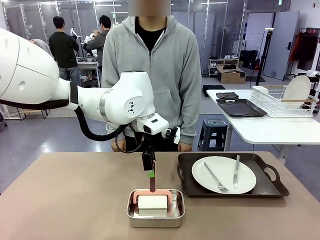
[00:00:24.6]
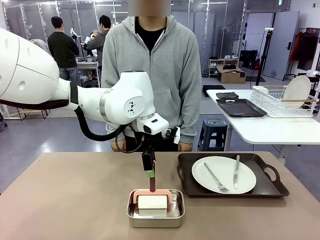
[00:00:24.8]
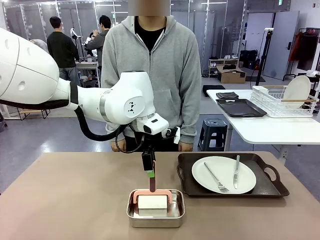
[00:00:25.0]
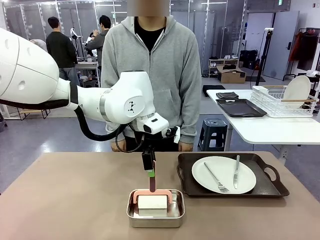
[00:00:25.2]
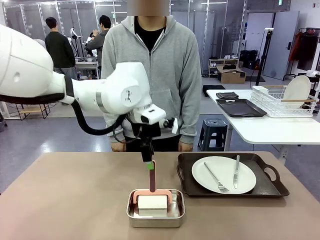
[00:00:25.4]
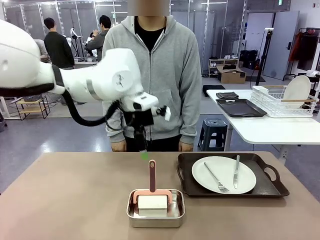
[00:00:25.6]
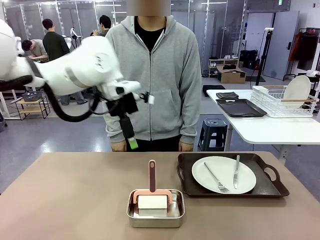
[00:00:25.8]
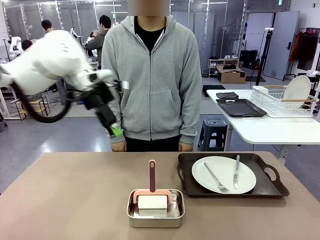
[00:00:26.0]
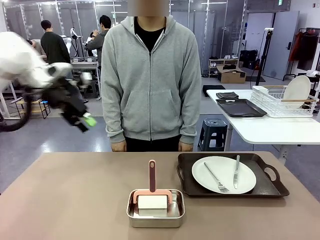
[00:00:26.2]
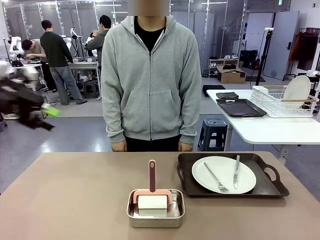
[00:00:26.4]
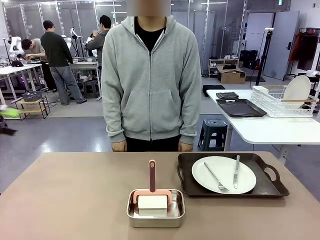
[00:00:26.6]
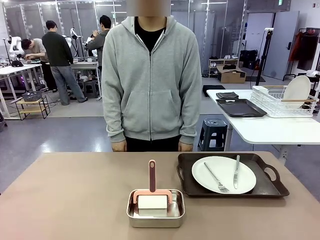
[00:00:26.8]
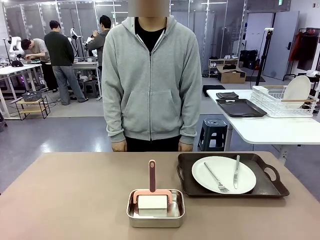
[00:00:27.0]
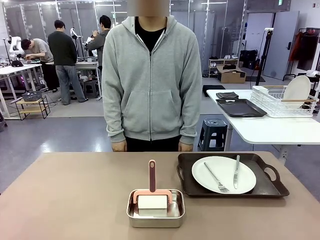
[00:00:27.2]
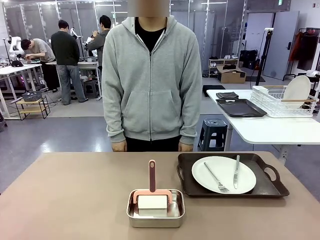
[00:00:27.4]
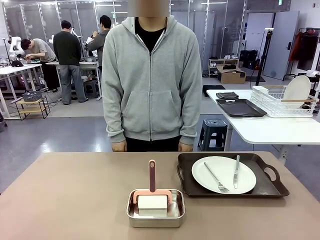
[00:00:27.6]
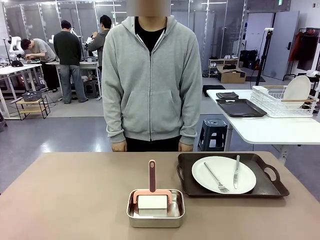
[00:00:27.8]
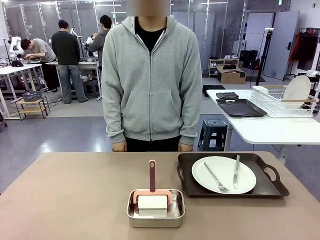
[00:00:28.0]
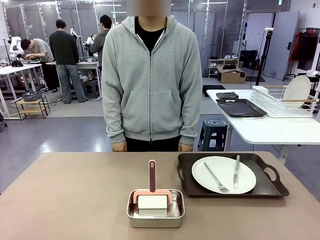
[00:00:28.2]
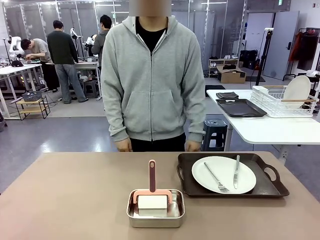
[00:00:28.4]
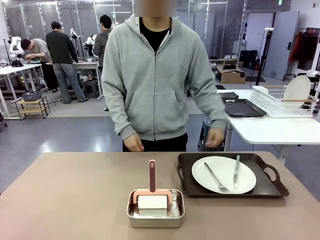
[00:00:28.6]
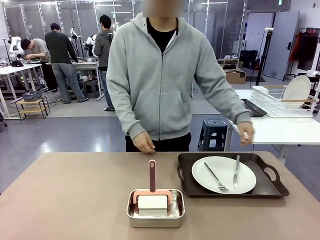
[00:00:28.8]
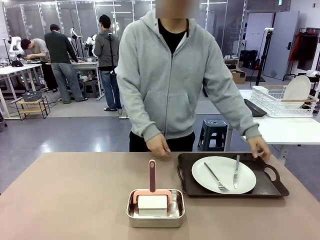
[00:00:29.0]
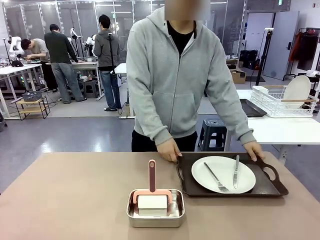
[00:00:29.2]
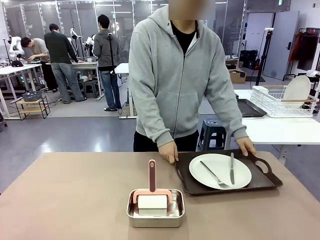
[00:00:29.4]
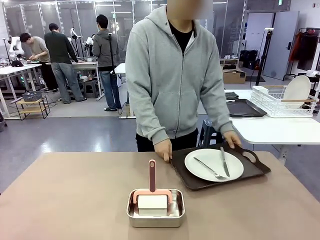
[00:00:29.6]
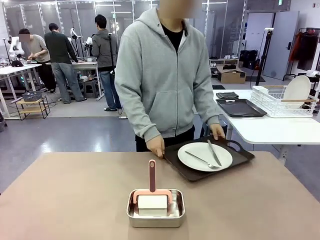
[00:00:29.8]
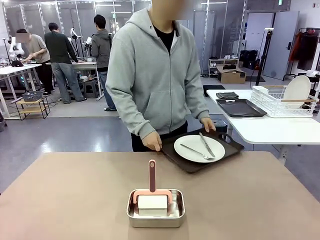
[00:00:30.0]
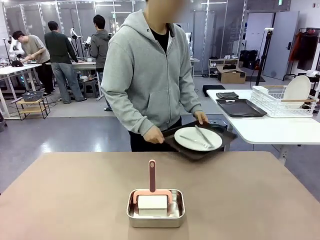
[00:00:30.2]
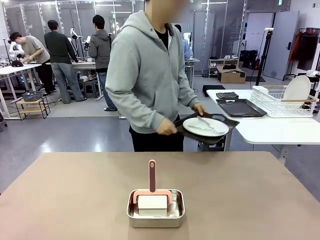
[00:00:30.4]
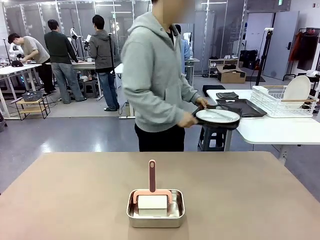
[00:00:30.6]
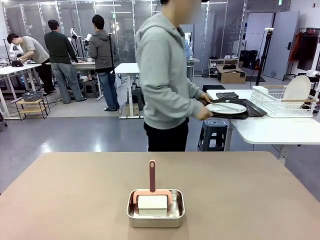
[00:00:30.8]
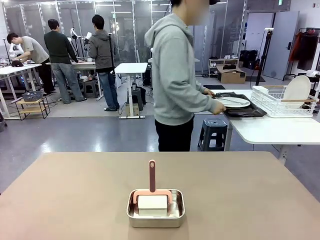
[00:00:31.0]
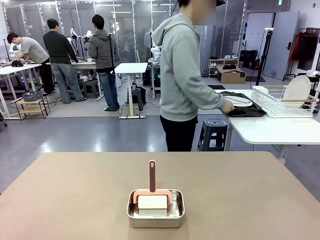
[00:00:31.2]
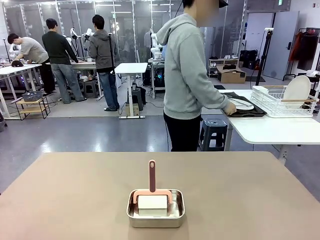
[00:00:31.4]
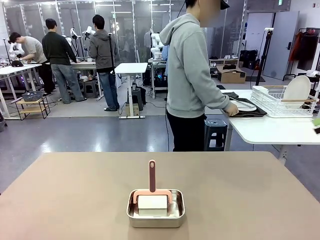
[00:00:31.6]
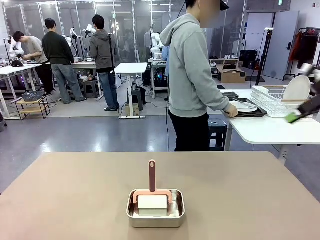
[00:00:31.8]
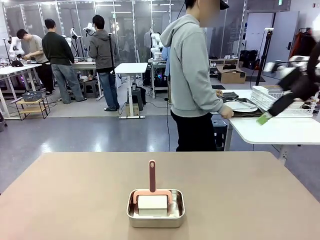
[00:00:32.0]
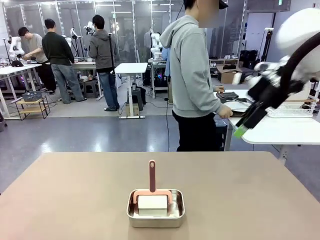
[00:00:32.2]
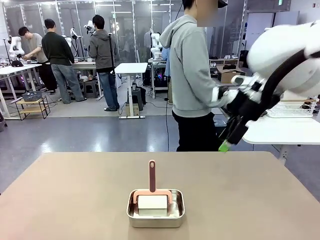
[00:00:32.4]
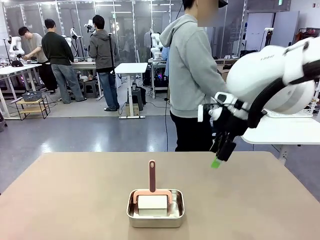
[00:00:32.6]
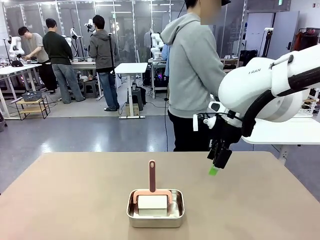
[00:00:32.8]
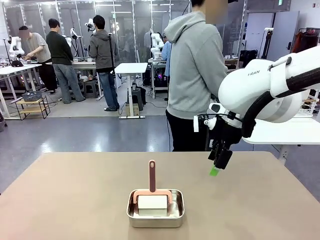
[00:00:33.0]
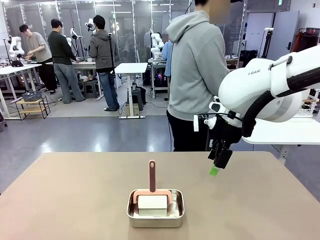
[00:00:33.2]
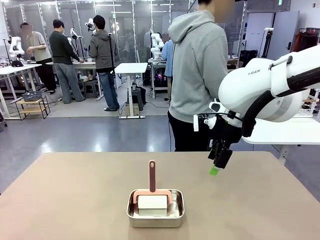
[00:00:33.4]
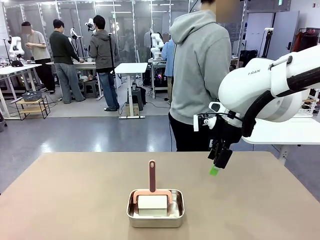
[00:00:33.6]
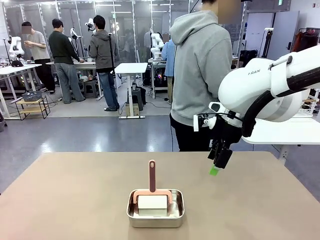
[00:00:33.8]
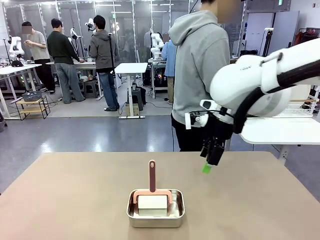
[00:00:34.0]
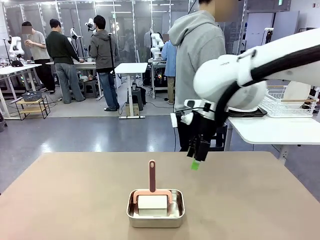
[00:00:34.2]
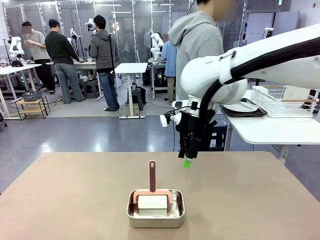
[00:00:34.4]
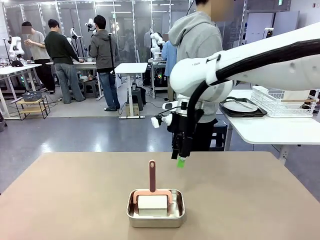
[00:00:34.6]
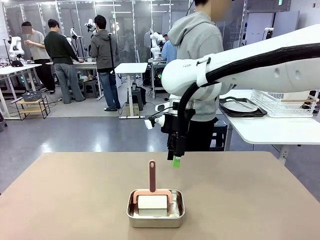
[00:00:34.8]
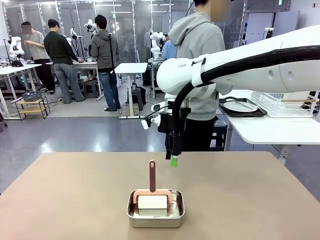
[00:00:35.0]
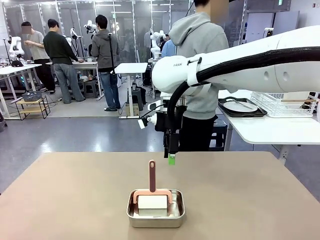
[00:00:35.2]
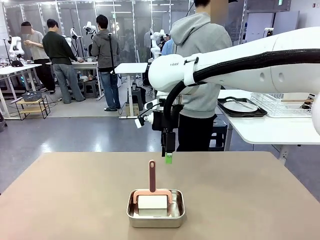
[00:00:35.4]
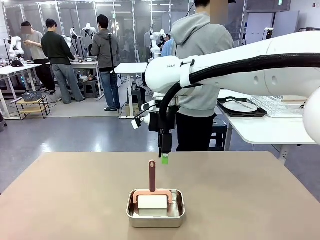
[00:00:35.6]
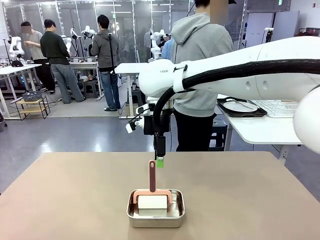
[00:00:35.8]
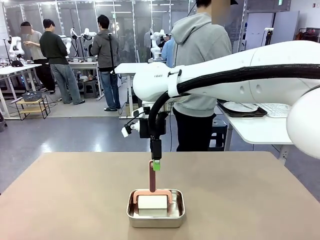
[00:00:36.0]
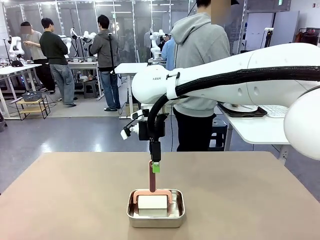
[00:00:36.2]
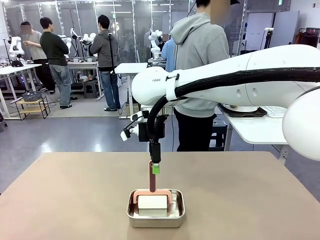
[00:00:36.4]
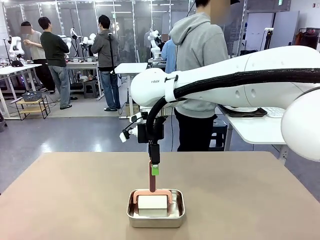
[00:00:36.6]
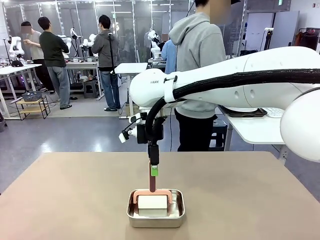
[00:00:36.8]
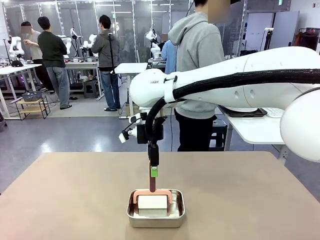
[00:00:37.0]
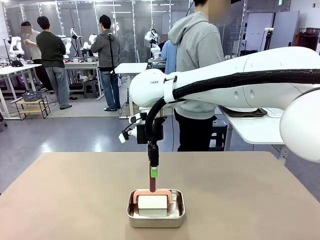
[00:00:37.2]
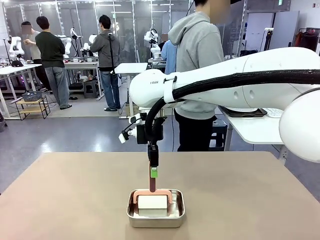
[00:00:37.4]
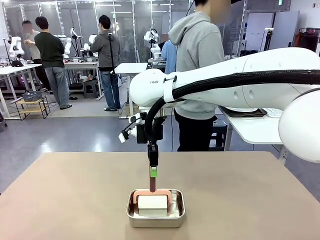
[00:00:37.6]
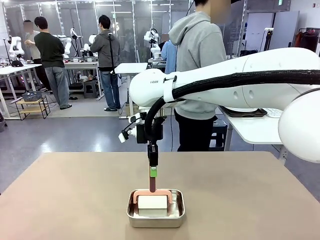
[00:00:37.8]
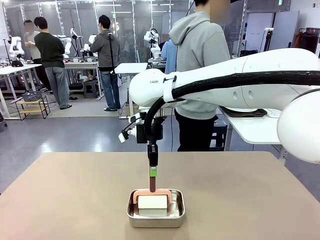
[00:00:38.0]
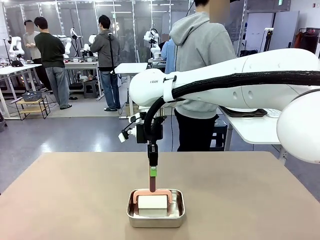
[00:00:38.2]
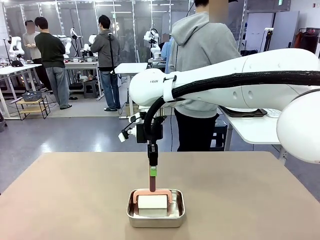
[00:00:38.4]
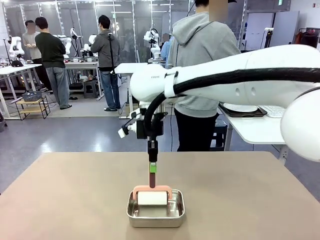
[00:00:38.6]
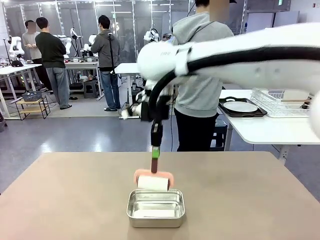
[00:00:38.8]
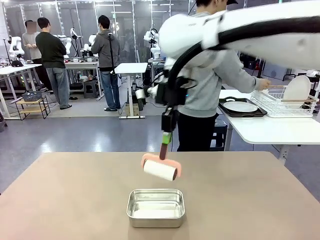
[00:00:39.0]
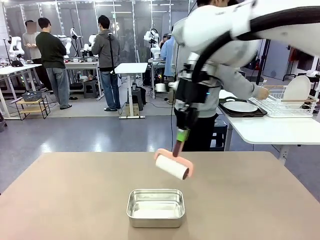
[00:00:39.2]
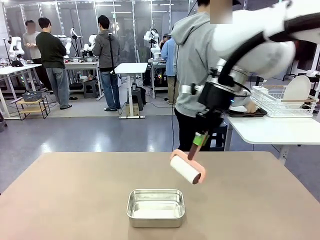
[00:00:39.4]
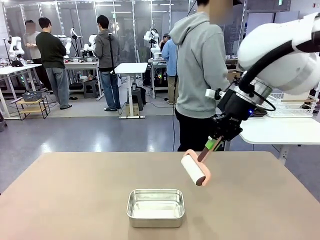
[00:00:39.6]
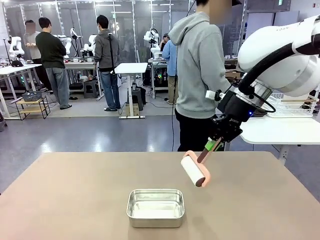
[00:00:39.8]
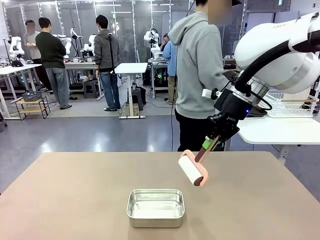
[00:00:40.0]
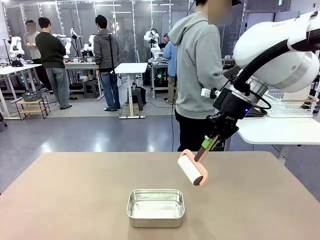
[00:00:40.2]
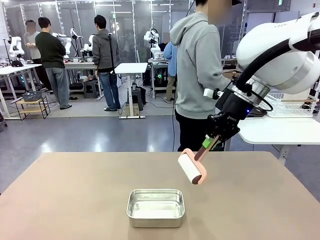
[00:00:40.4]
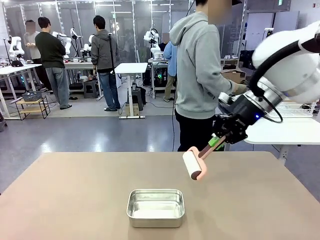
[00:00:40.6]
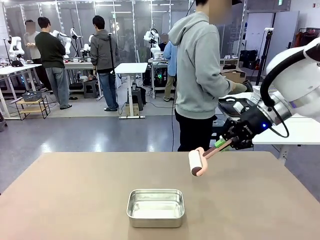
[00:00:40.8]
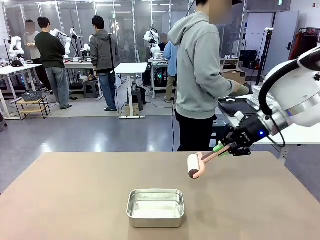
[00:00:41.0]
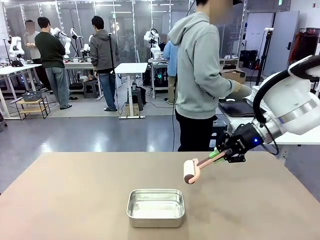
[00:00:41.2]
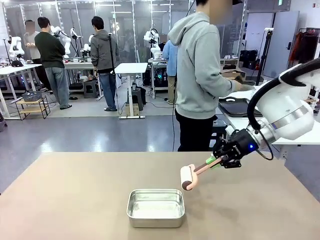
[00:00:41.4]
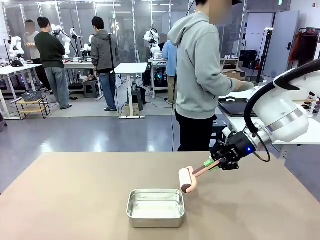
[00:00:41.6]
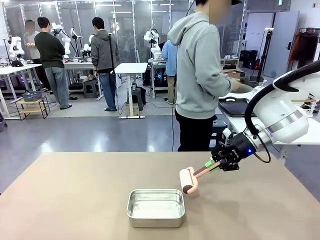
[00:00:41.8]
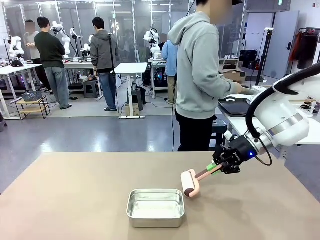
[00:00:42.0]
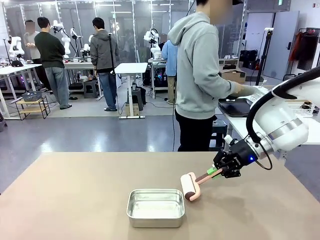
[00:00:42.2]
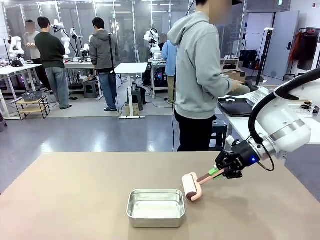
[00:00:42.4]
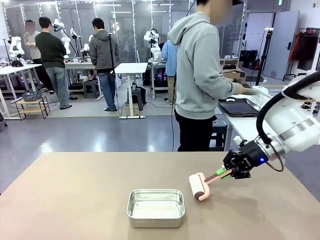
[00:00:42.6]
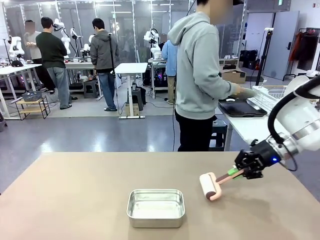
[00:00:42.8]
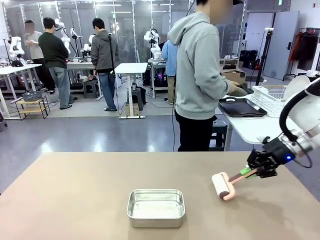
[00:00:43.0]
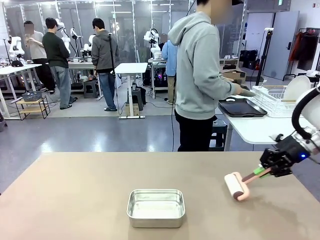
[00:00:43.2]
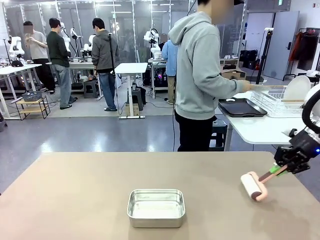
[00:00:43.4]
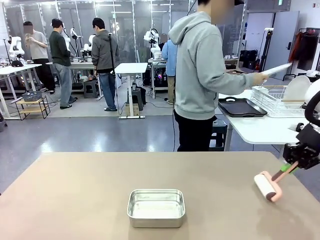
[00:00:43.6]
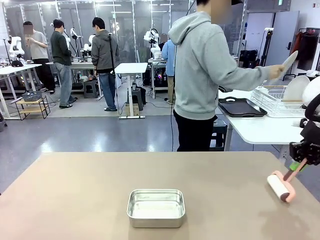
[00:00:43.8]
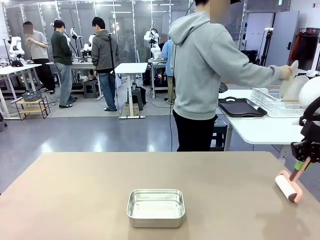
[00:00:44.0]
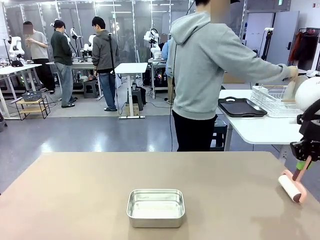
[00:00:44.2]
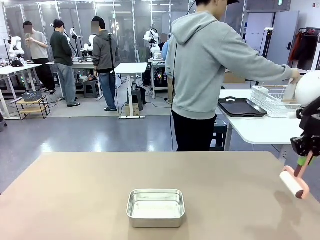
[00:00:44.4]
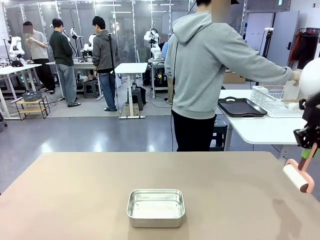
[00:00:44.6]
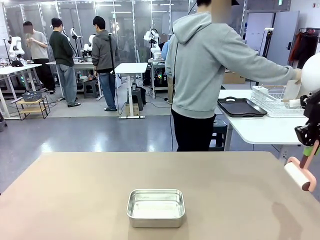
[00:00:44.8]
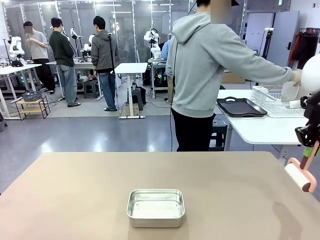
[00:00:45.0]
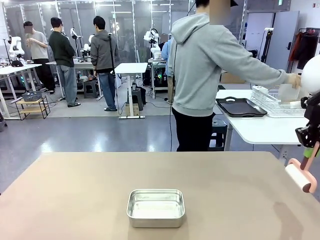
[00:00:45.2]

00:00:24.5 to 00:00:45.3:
Robot: When the right (or left) Handle tray is removed, use the right hand (or left hand) to clean the right (or left) side of the table with the Lint Roller.
Person: Pick up the left (or right) Handle tray and place it on the Handle tray. Use the Towel with hook to wipe the Plastic Matte Plate , Fork , and Knife and place into the Dish drying rack.
